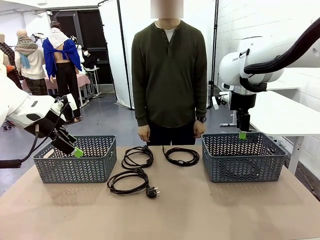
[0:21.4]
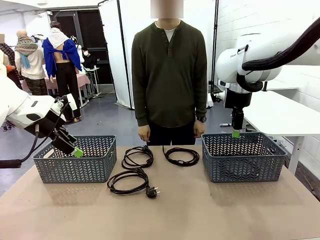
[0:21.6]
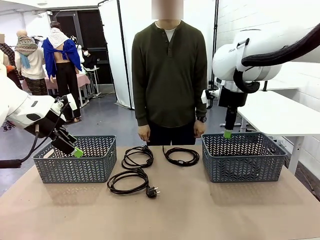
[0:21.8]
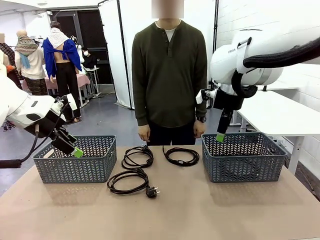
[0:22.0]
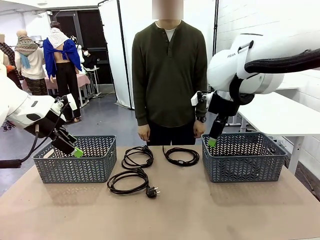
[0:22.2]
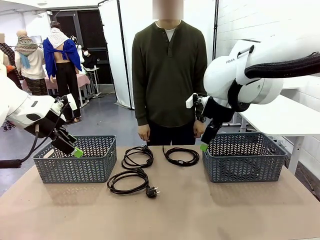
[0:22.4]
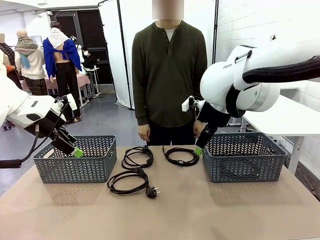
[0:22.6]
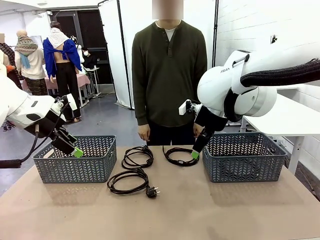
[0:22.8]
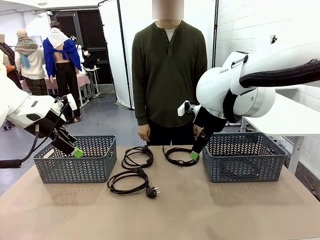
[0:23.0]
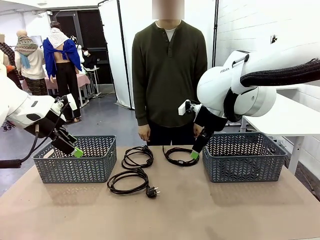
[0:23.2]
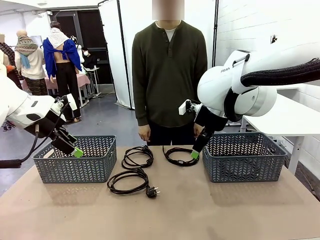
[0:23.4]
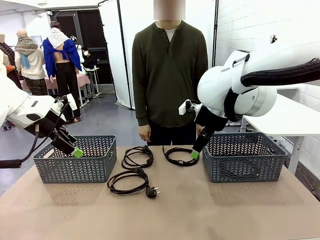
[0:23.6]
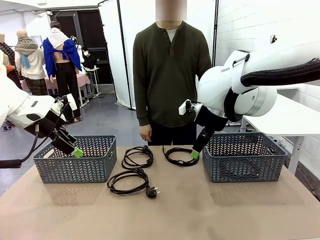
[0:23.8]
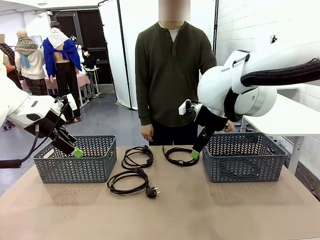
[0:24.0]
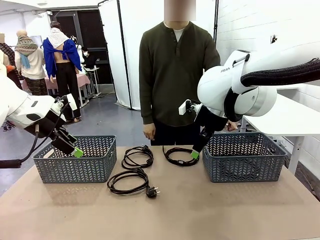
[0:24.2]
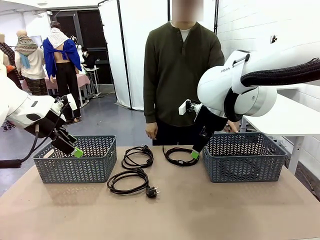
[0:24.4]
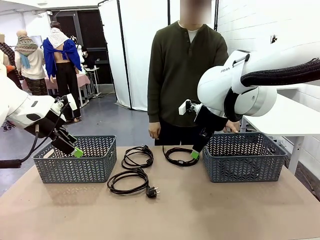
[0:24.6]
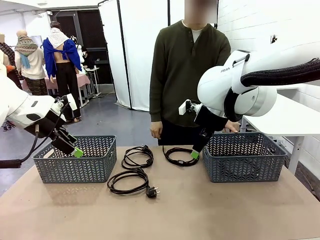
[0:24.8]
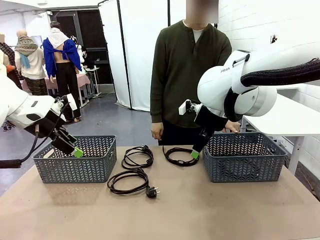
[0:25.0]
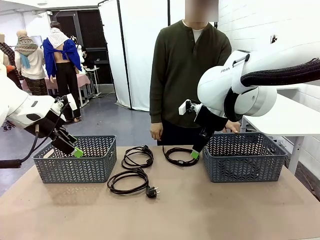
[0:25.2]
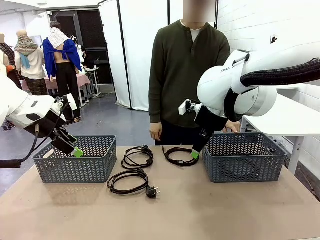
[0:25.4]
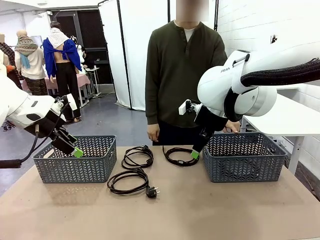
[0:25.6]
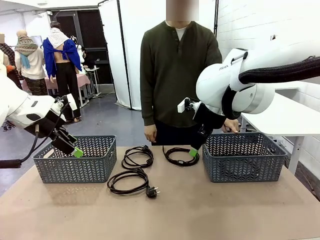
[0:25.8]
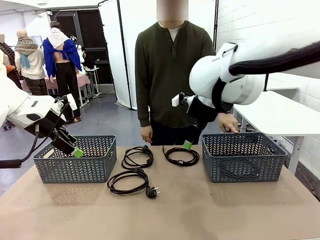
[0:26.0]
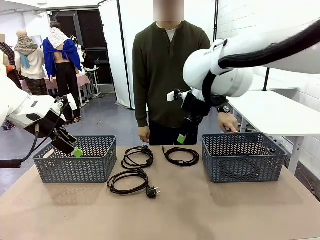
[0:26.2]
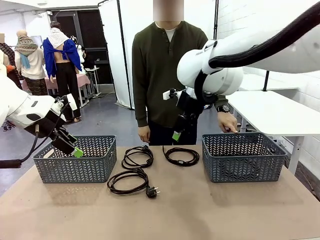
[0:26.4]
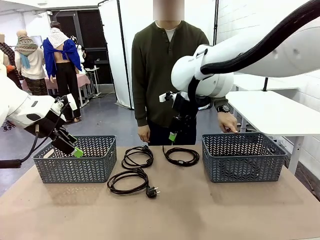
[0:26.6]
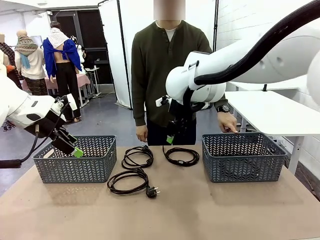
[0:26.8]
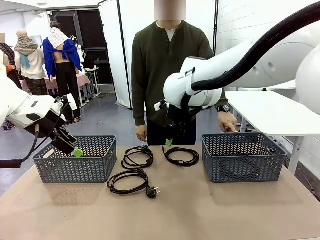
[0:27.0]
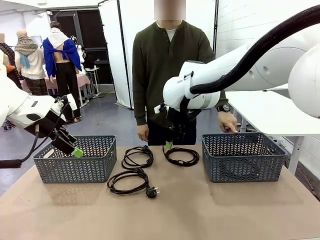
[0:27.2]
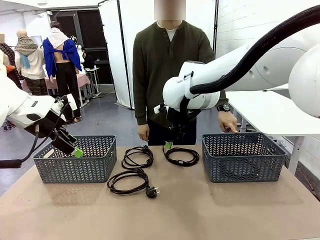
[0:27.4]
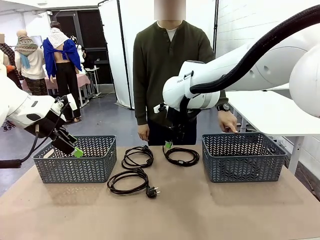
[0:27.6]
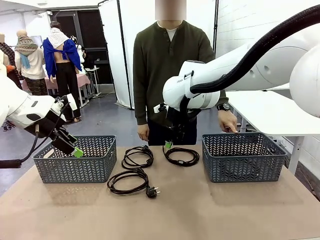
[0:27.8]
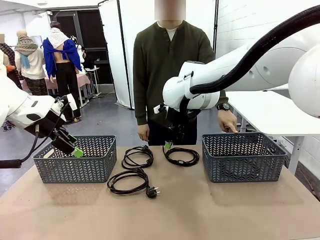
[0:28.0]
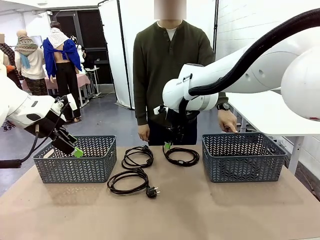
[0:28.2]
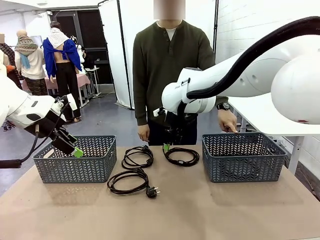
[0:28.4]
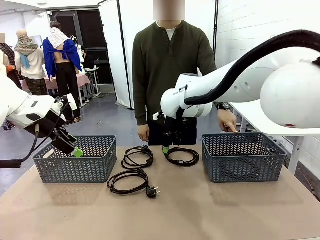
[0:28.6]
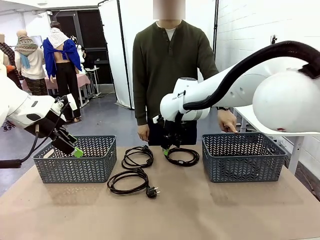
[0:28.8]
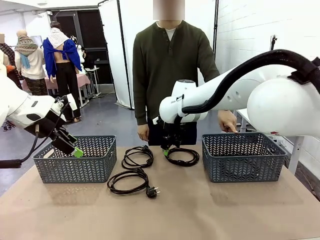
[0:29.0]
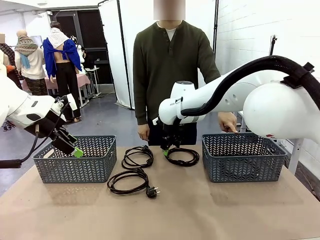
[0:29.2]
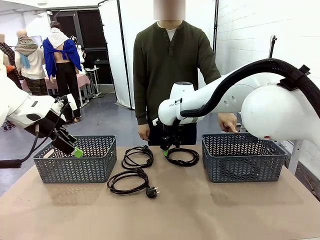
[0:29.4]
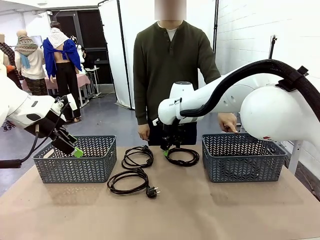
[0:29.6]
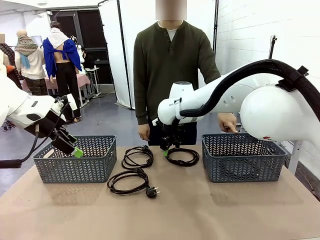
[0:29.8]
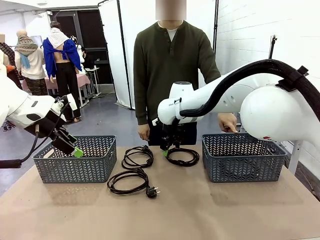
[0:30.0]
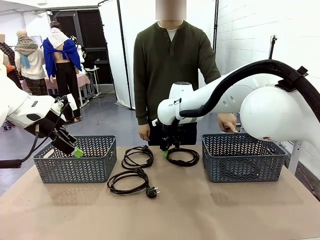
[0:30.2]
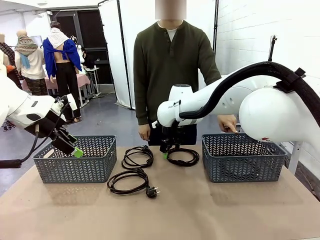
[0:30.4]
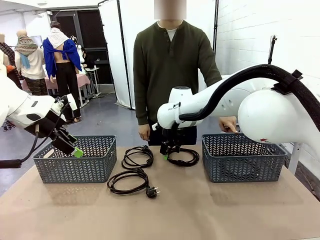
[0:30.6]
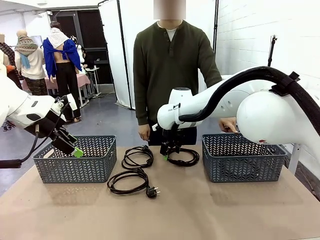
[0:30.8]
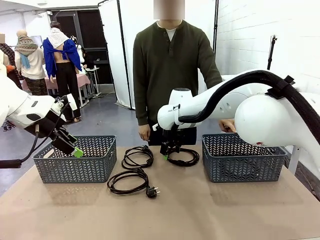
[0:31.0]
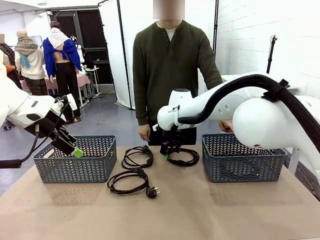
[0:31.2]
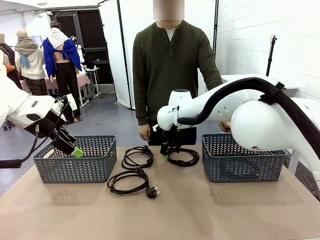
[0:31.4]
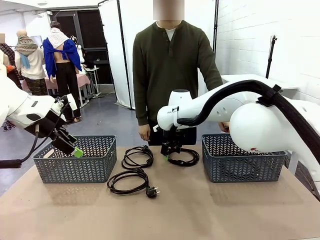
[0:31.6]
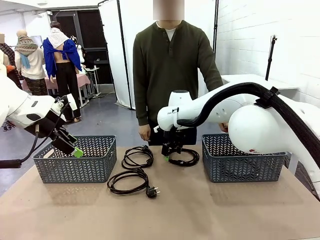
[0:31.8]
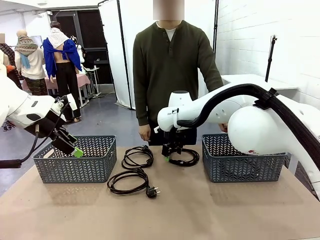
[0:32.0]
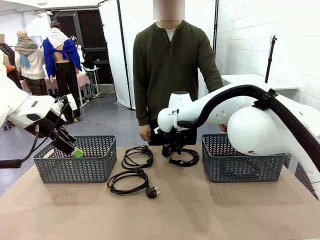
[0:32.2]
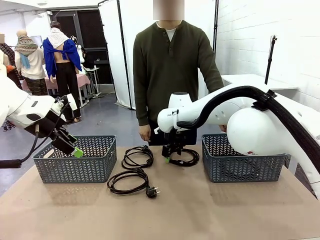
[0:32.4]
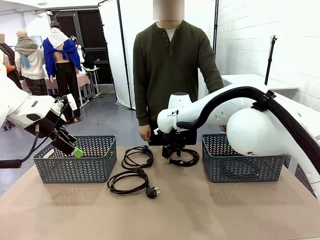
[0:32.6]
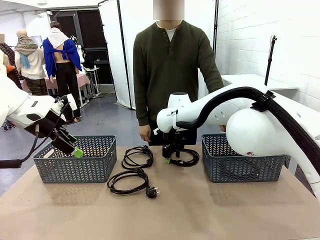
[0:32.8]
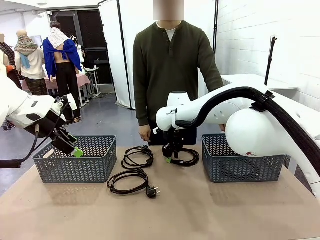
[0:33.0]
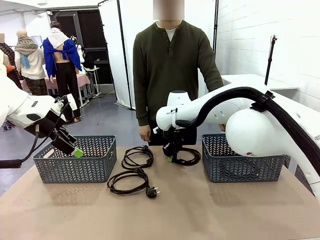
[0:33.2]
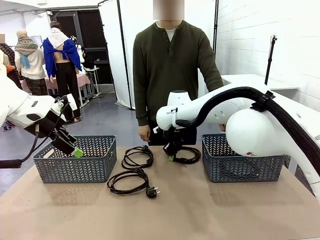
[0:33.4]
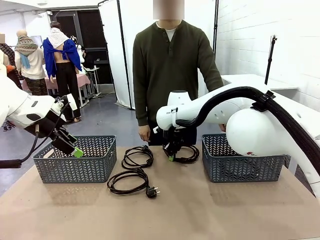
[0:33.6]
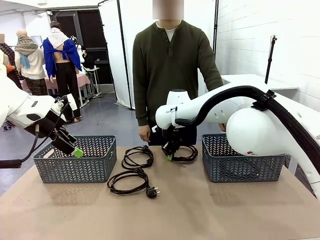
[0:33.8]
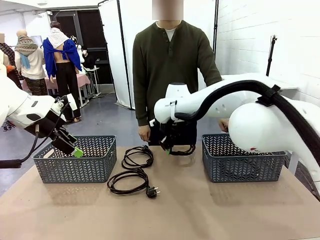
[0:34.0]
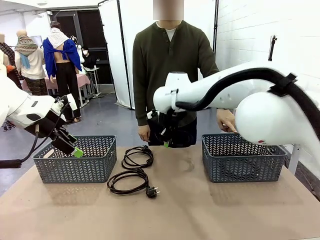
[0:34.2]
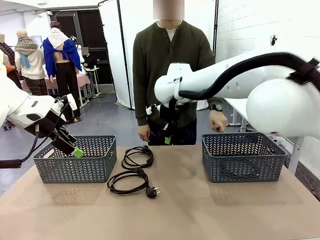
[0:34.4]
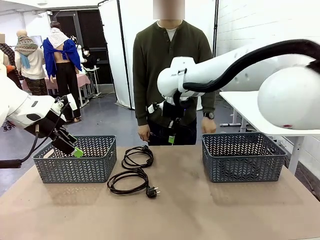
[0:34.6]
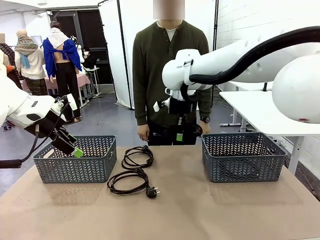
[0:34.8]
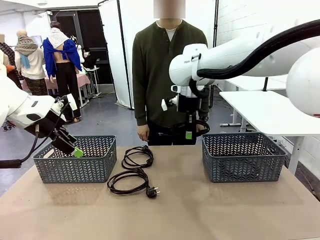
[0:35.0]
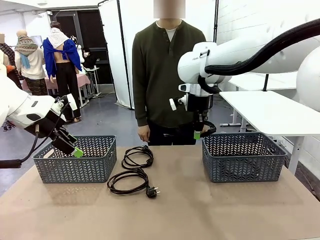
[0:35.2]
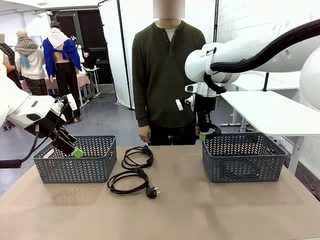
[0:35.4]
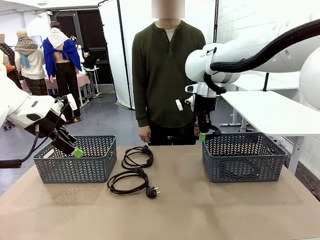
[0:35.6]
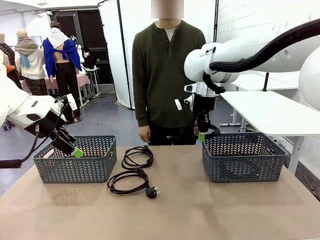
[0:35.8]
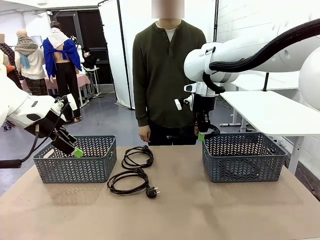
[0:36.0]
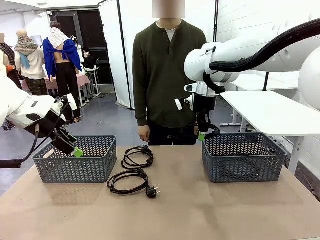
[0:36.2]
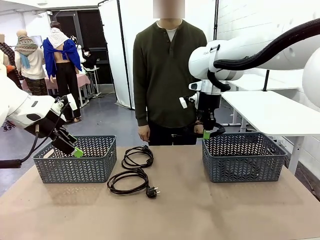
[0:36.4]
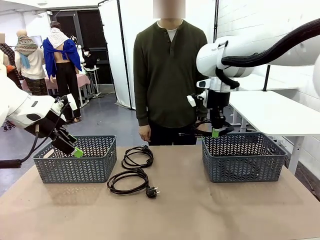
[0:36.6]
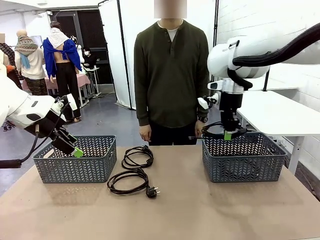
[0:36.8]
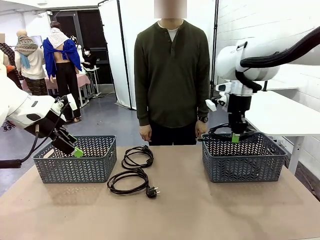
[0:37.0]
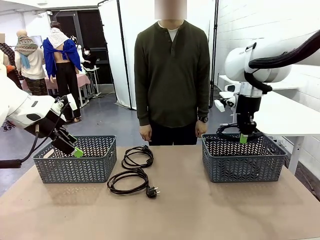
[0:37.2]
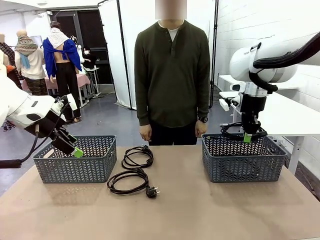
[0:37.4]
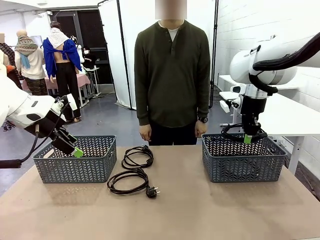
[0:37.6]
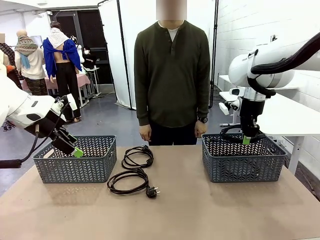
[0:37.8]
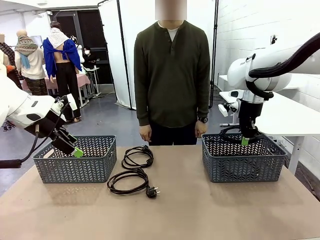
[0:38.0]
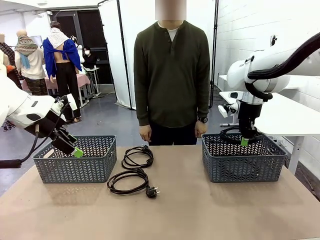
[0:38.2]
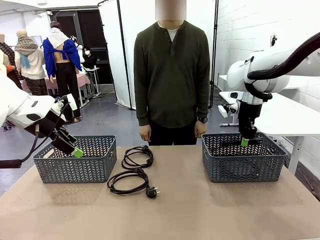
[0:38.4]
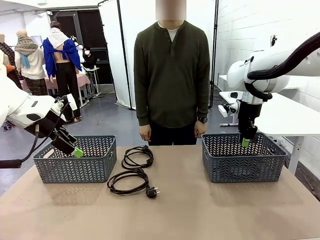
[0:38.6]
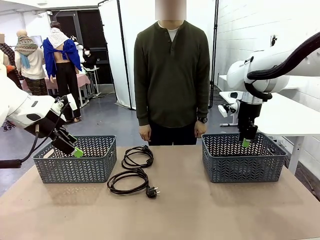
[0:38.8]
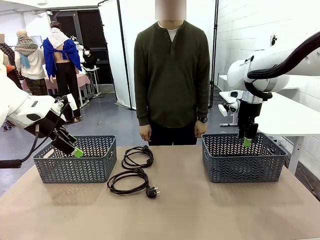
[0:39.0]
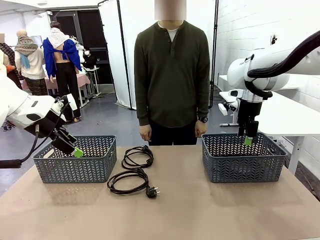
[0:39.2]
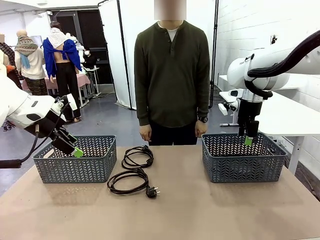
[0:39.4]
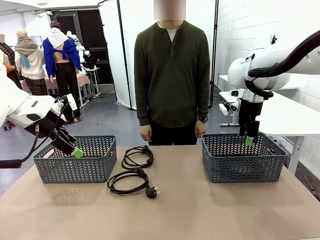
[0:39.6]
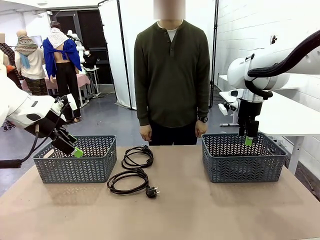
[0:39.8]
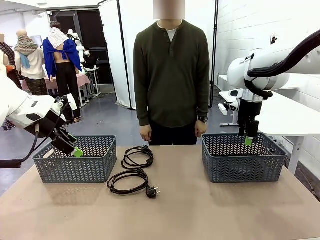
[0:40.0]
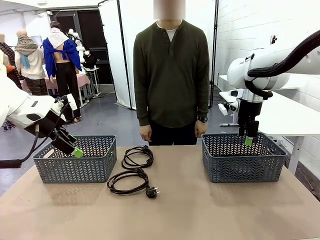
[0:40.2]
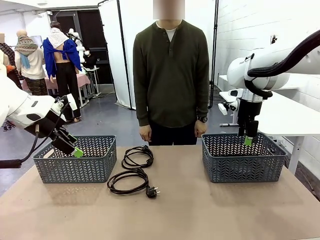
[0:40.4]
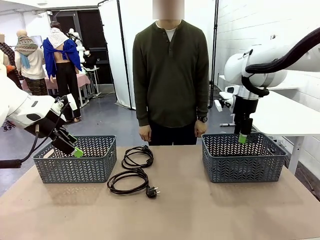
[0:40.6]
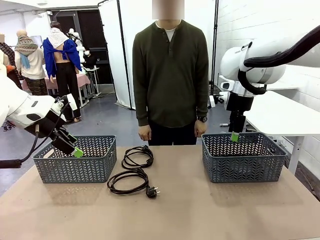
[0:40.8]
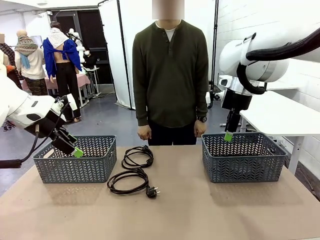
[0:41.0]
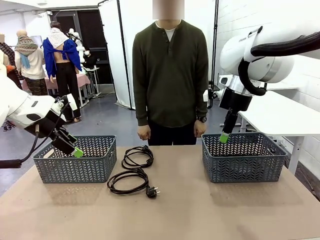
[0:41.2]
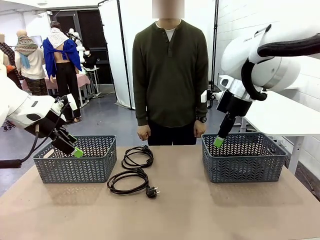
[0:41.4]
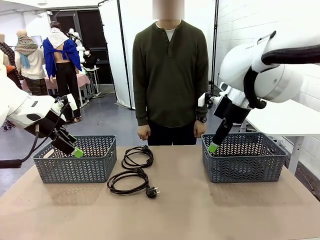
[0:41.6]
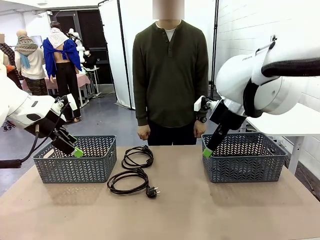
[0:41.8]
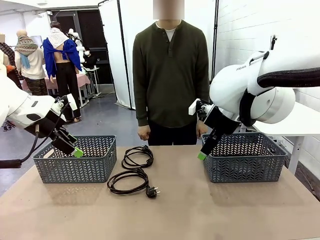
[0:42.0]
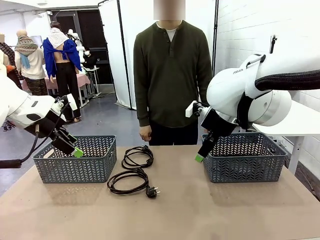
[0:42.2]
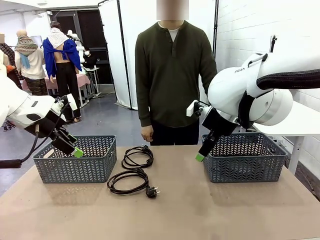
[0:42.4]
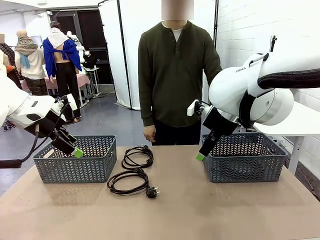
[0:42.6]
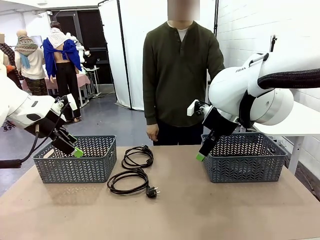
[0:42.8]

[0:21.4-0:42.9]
Task: Organize the cables according to human instructions.
Robot: Pick up a bundle of cables and place it in the basket indicated by the human.
